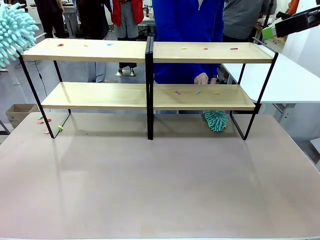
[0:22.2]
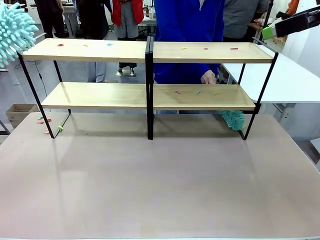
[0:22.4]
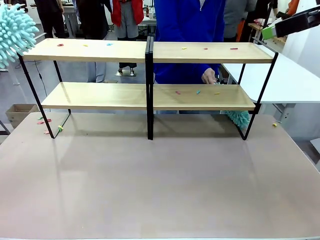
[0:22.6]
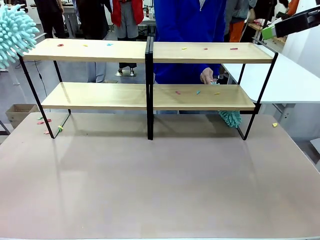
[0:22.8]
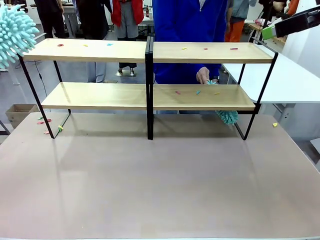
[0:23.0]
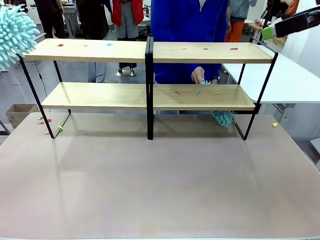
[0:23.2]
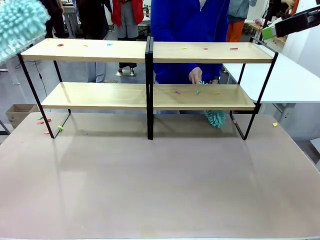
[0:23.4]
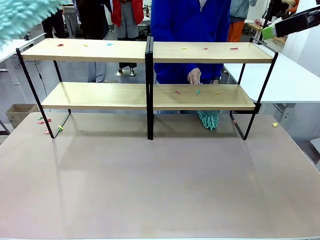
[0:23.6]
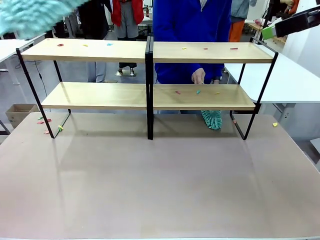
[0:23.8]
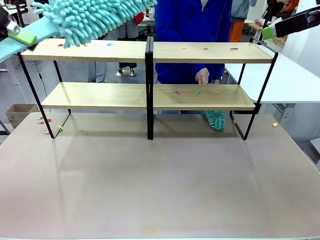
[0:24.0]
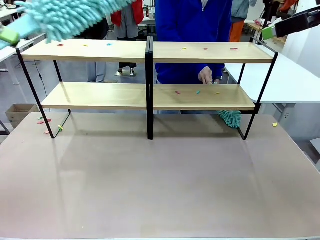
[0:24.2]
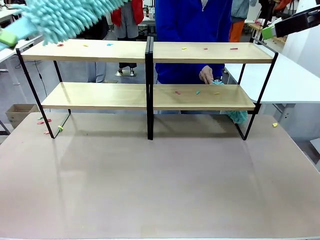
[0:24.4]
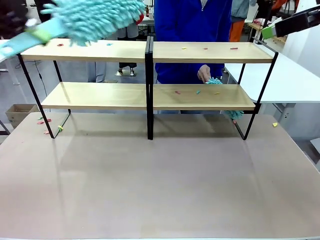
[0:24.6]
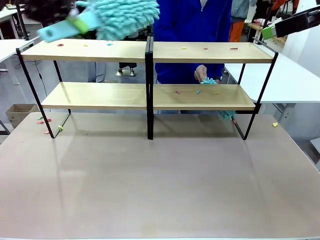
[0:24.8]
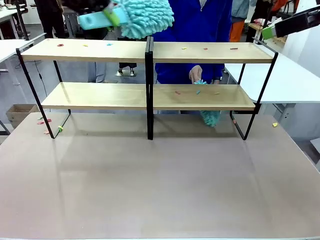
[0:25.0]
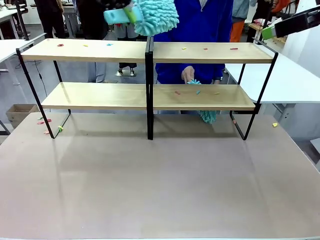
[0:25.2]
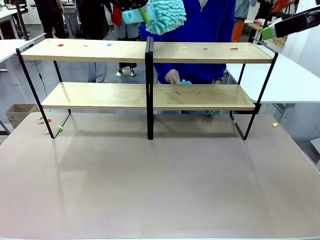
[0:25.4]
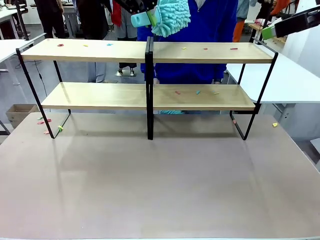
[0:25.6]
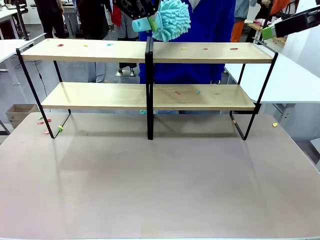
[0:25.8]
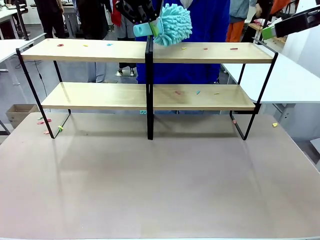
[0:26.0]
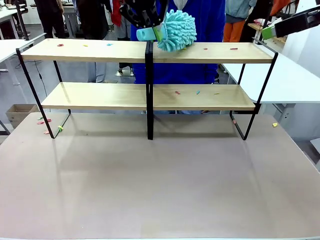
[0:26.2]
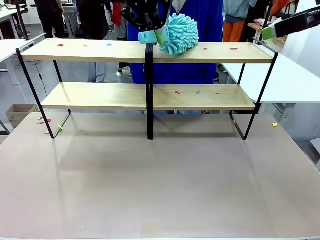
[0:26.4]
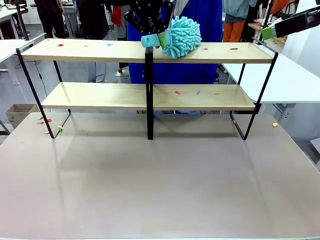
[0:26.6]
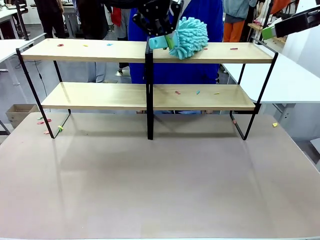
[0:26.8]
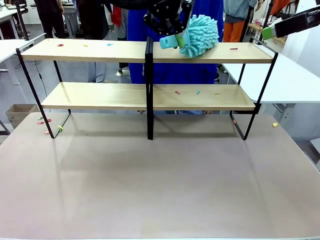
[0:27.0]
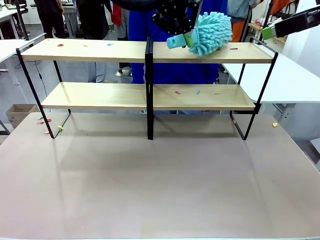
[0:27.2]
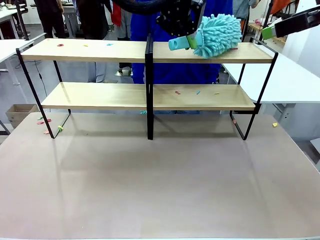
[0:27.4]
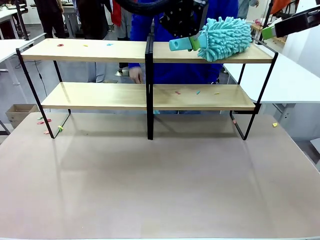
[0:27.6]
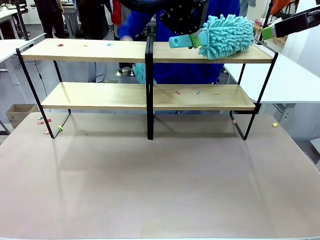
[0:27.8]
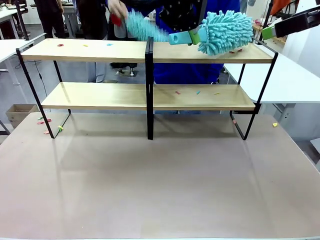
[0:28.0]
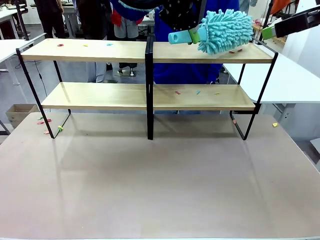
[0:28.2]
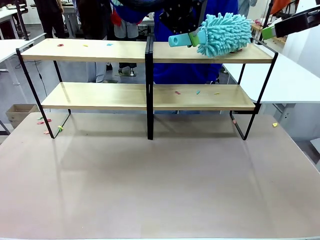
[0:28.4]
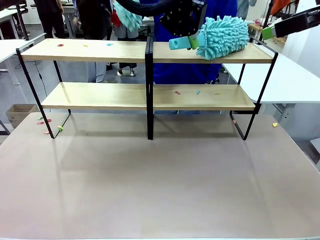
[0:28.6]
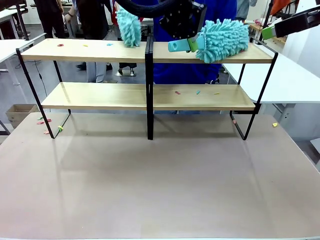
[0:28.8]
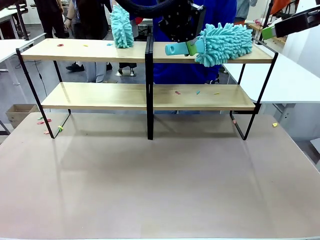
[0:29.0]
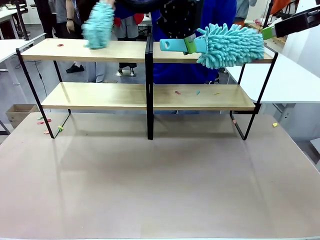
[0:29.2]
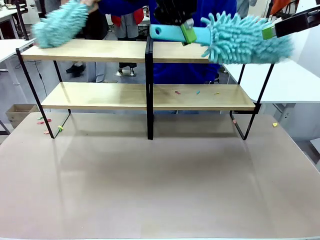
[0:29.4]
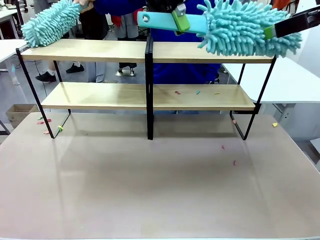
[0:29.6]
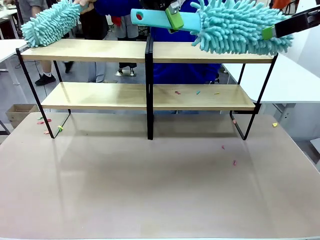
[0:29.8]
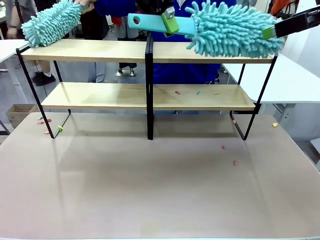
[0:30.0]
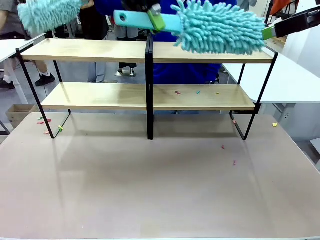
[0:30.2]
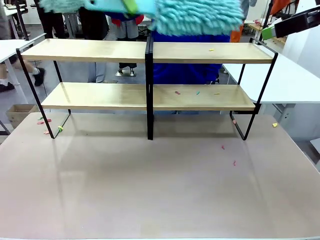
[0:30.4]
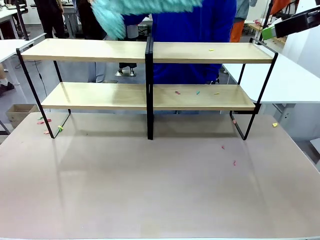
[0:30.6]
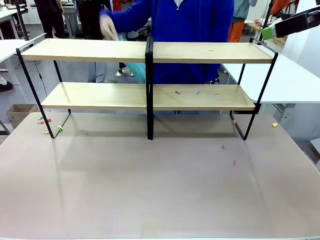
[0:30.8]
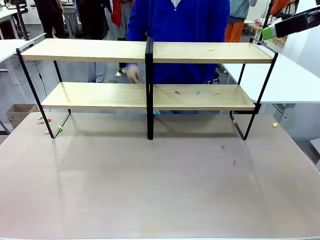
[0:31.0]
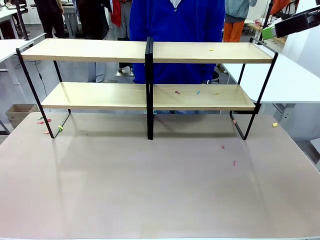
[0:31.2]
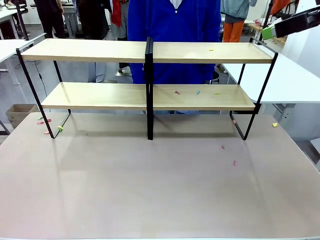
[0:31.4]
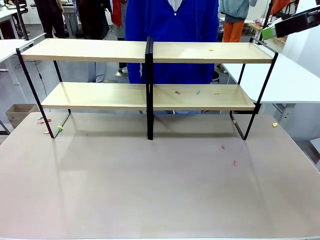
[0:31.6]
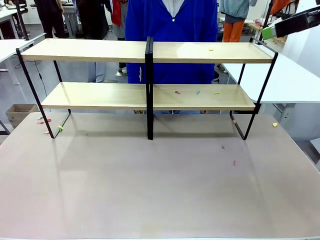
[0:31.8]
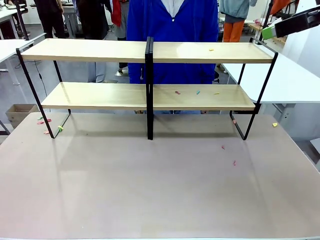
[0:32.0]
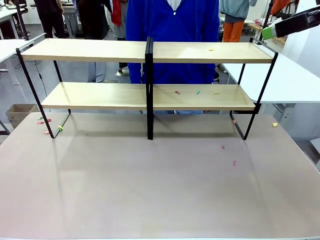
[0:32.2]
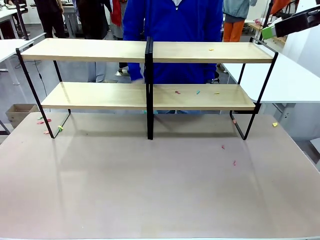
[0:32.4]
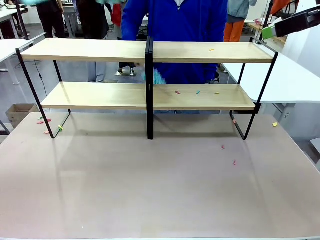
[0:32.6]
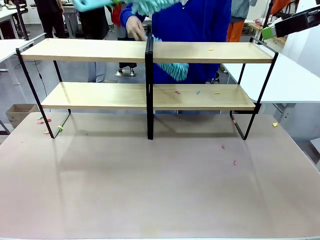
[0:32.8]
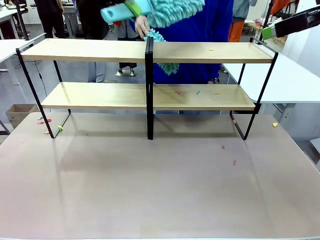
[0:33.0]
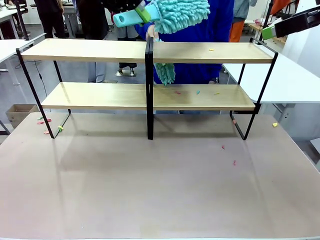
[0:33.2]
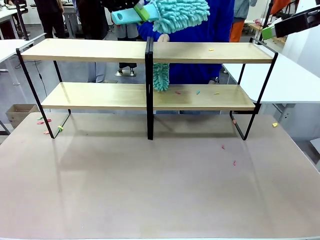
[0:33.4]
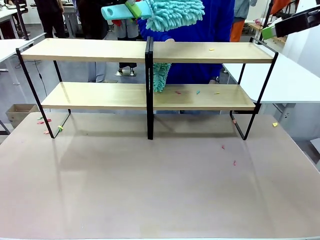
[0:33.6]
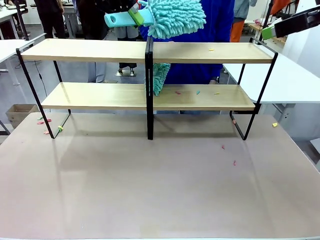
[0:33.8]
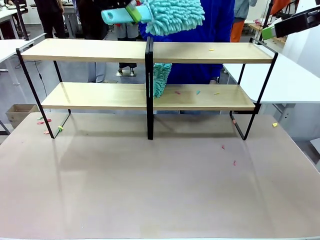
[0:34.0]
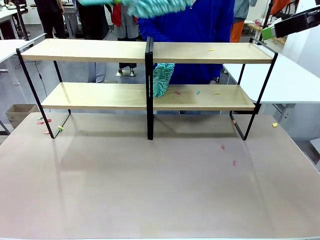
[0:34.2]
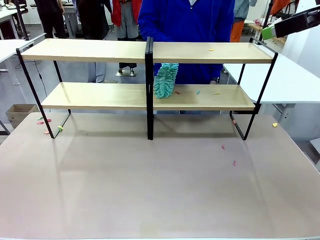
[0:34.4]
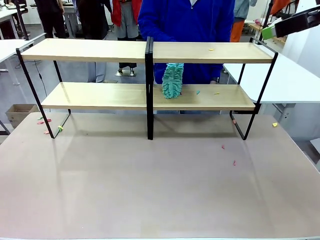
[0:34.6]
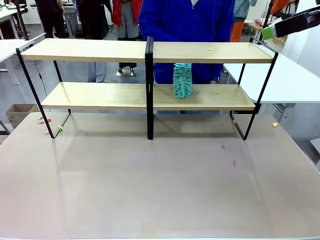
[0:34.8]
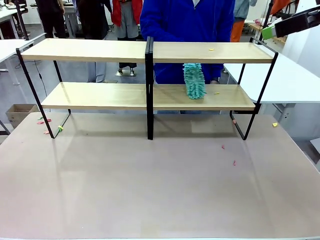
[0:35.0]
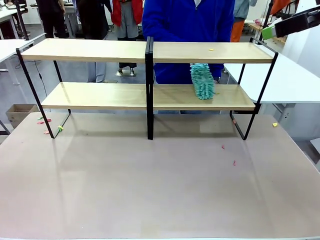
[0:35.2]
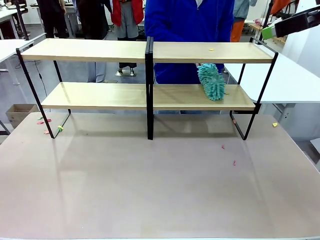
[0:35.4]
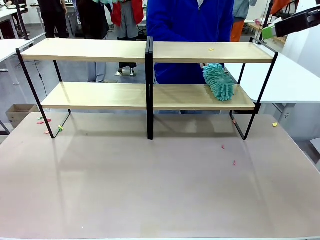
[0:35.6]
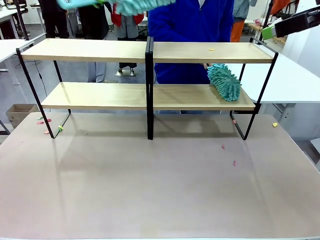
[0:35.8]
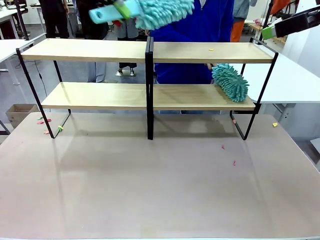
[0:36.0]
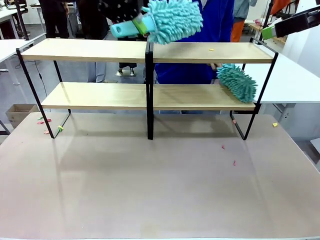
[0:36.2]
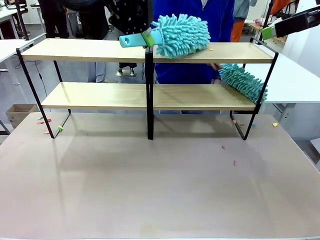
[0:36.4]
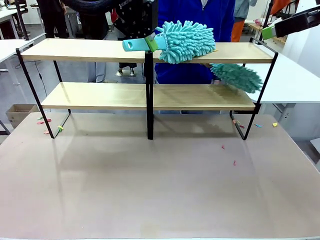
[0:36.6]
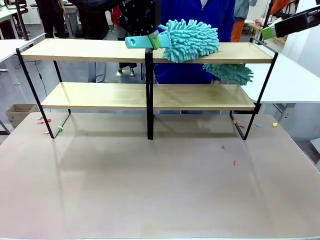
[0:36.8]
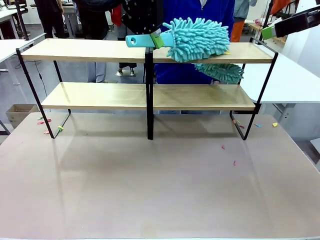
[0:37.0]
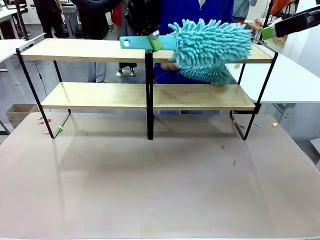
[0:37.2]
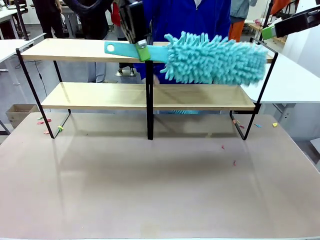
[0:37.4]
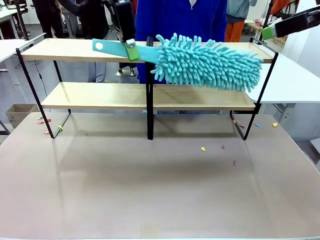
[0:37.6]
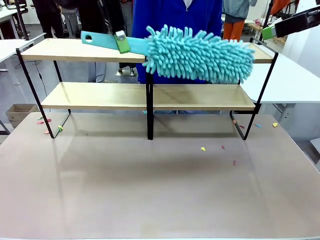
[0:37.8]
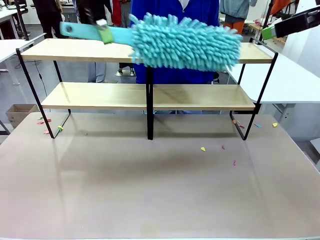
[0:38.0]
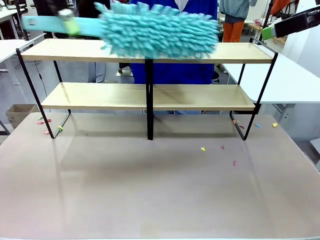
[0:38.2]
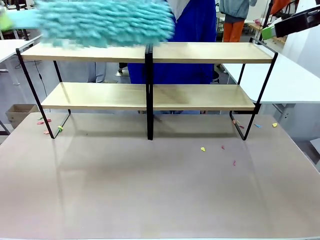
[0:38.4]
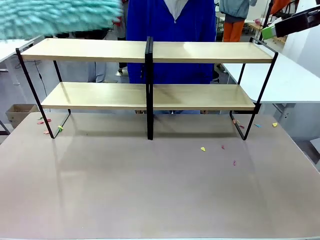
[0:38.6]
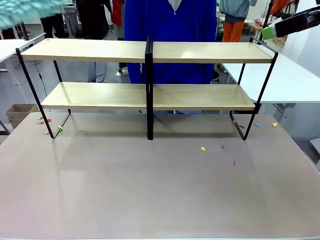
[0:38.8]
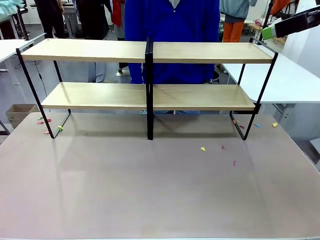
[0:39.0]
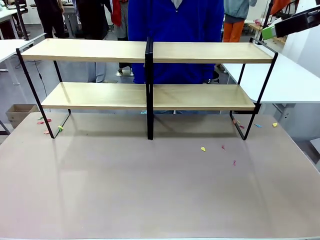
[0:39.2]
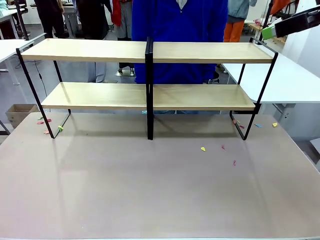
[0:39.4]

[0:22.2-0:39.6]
Task: Clean the shelves.
Robot: Clean another randomly selected level of the Shelf with the Duster.
Person: Clean a randomly selected level of the Shelf with the Duster.

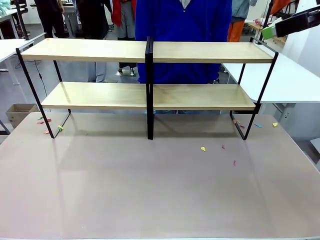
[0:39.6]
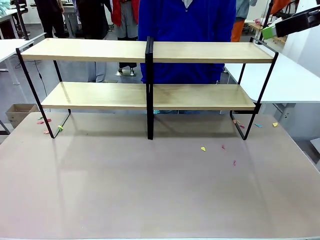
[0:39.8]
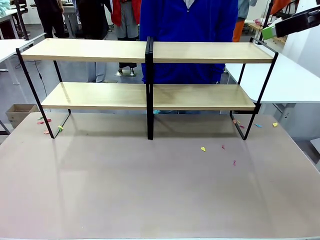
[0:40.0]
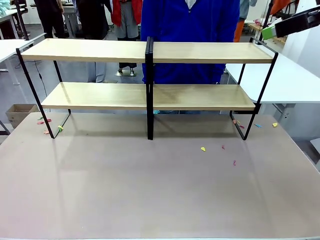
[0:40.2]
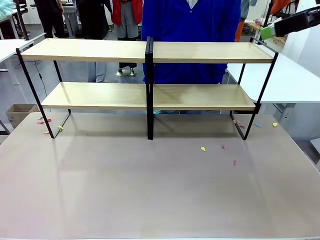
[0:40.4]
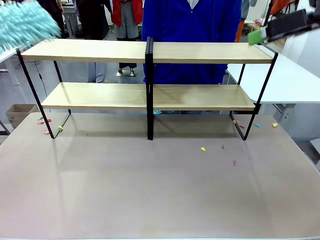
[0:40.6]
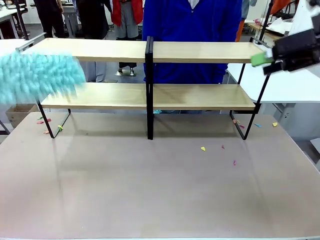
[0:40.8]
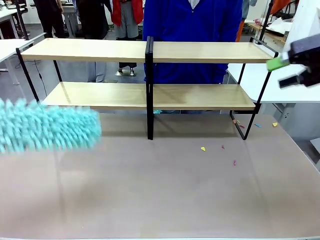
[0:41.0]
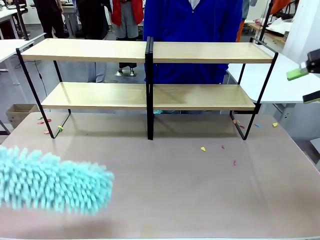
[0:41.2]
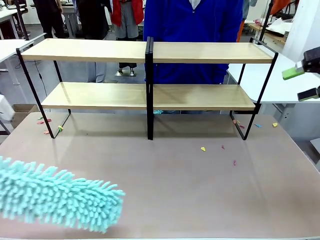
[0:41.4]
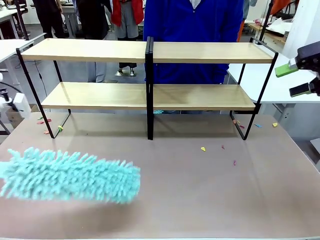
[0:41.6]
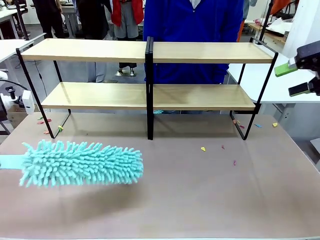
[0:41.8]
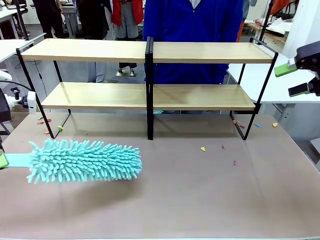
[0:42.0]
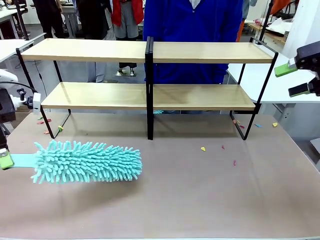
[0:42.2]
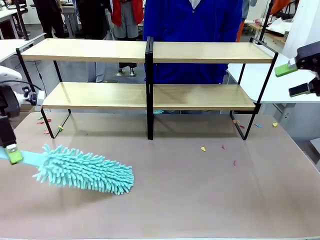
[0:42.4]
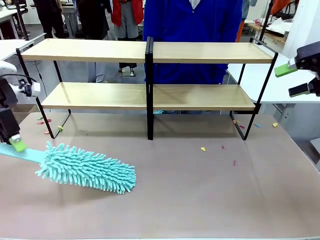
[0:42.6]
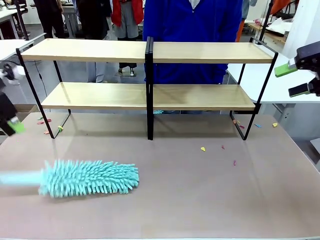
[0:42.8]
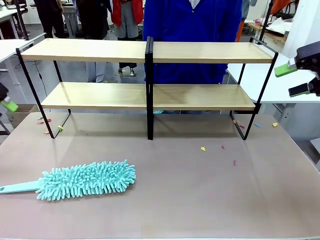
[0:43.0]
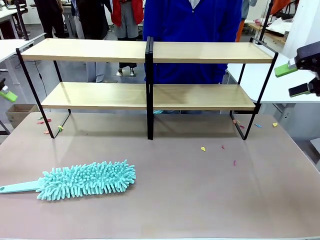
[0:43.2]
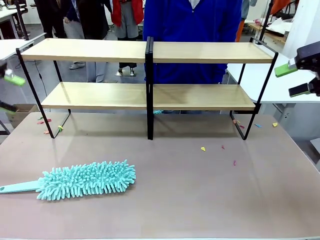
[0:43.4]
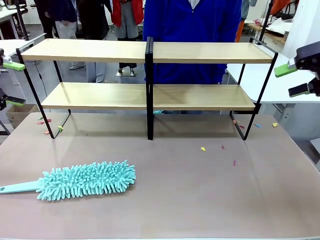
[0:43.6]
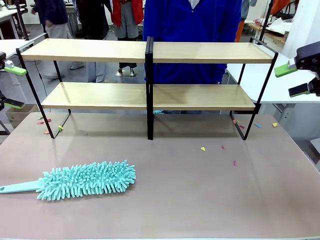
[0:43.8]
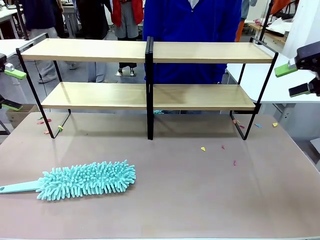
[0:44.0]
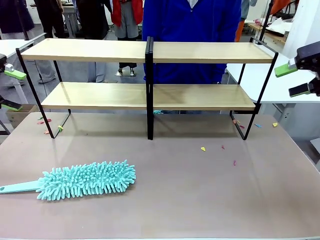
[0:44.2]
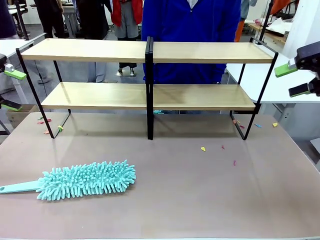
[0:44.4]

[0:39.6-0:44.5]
Robot: Place the Duster on the table.
